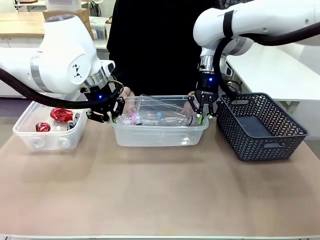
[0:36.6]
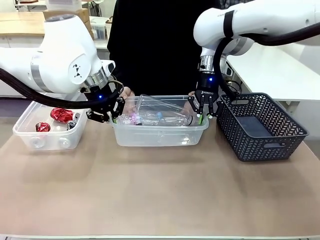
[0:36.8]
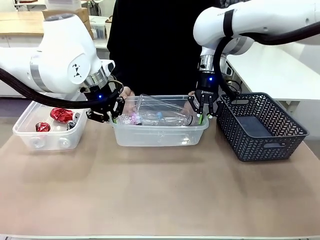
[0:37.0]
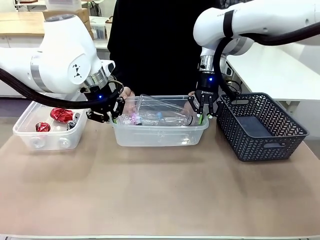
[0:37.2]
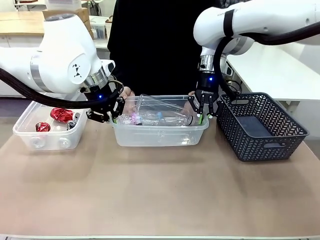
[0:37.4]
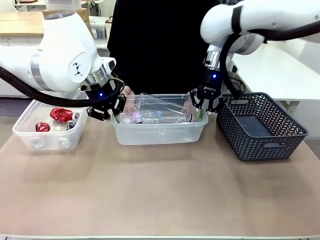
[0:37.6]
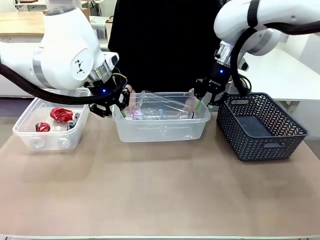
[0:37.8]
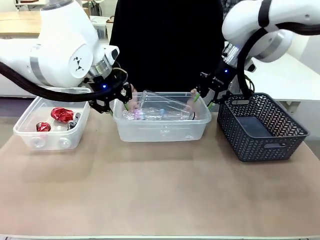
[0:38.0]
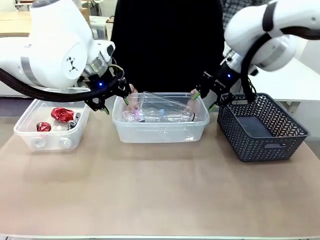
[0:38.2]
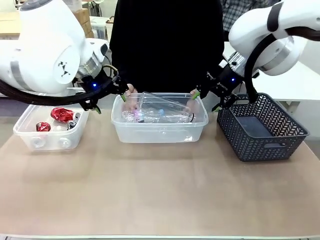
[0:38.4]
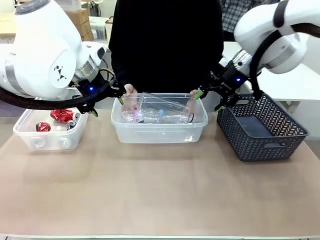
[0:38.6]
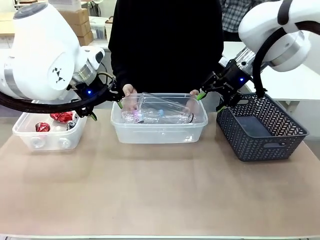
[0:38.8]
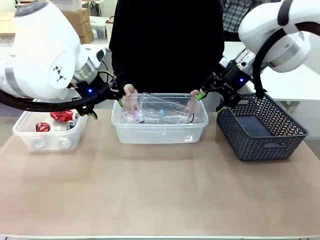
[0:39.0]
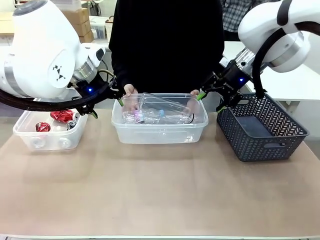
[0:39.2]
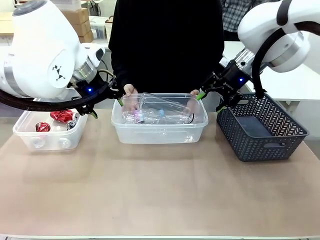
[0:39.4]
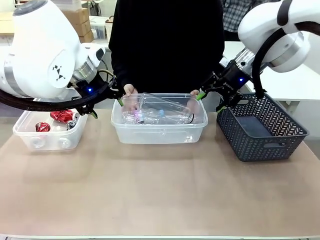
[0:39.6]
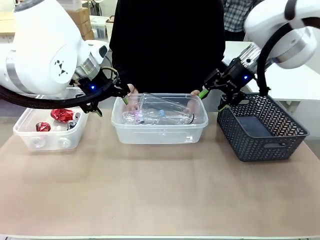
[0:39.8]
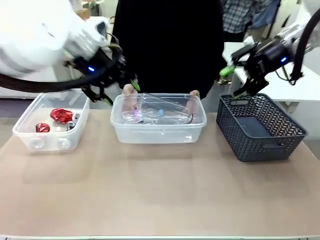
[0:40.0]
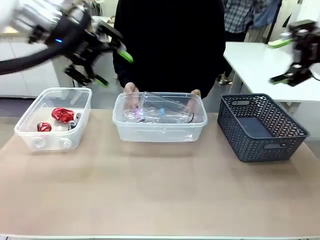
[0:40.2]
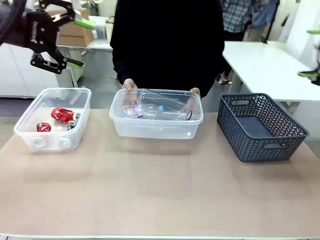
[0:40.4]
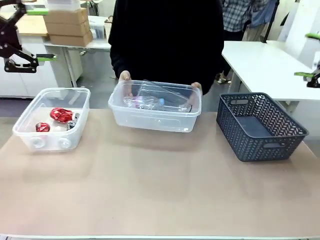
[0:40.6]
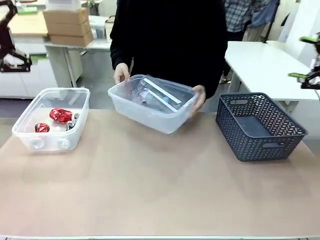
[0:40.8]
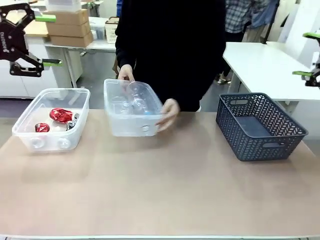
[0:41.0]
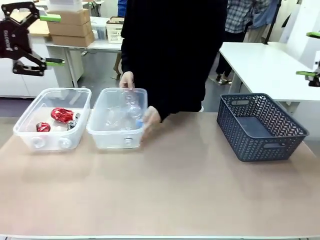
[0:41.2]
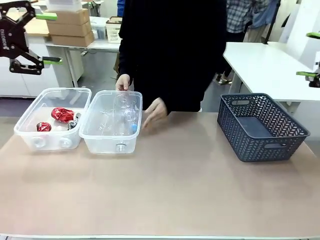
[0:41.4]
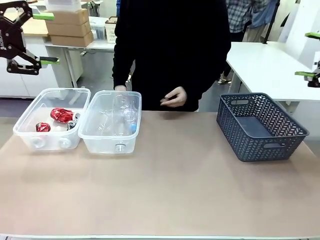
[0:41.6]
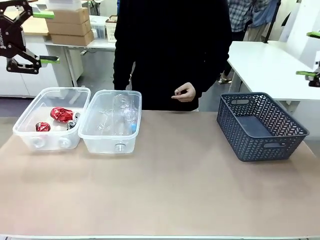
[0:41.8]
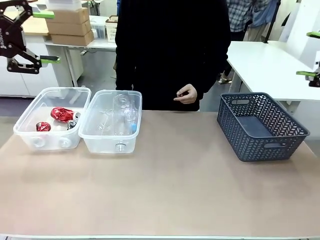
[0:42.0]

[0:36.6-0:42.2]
Robot: Release the Organizing box you were holding.
Person: Pick up the organizing box extended by the robot. Place the organizing box to the left of the sorting box containing the can waste.

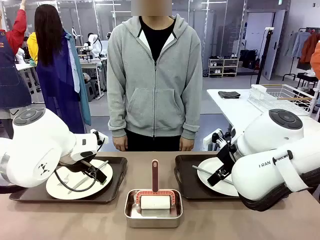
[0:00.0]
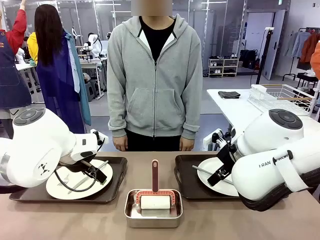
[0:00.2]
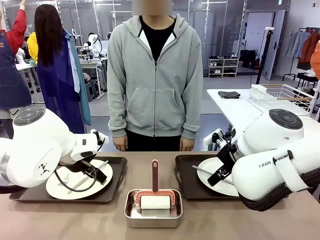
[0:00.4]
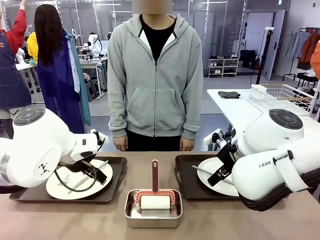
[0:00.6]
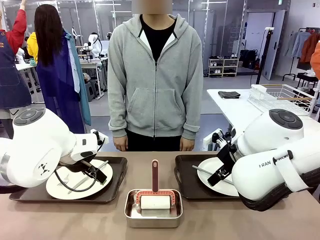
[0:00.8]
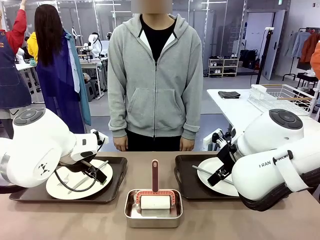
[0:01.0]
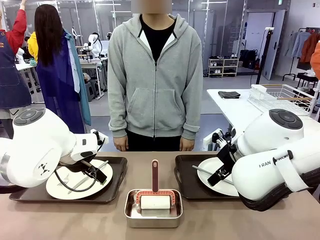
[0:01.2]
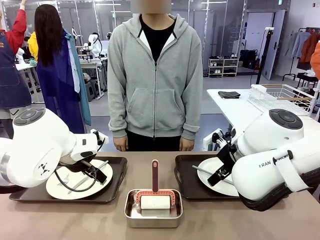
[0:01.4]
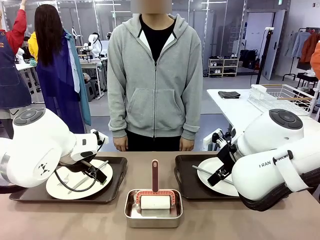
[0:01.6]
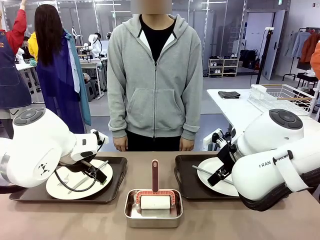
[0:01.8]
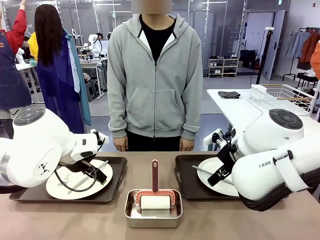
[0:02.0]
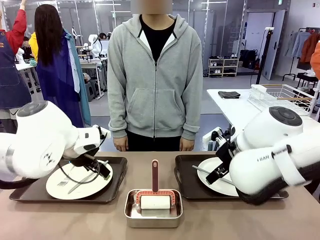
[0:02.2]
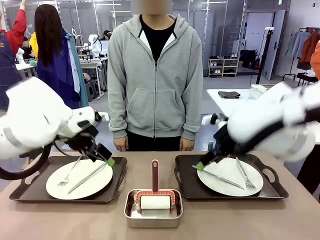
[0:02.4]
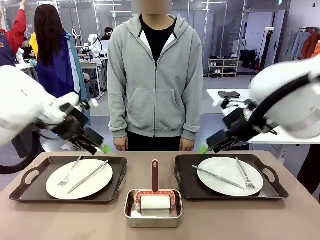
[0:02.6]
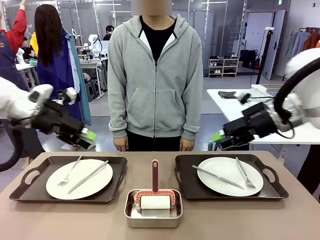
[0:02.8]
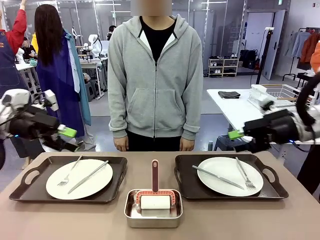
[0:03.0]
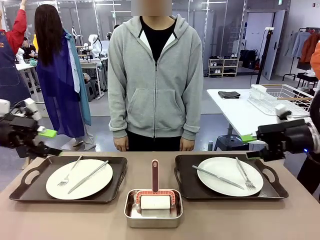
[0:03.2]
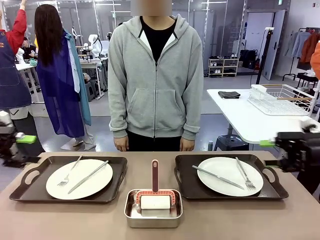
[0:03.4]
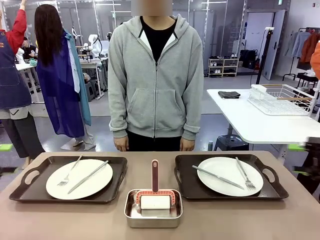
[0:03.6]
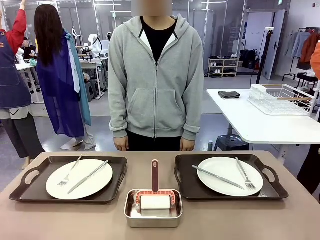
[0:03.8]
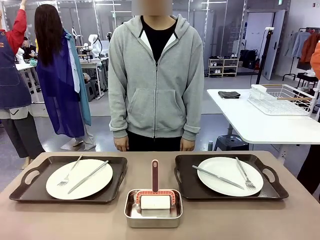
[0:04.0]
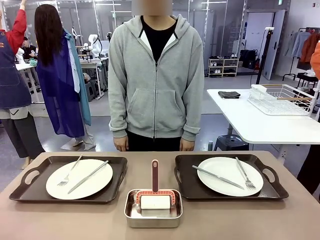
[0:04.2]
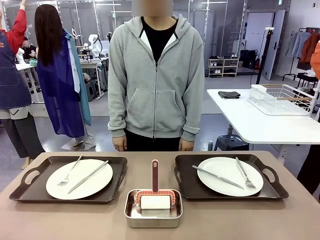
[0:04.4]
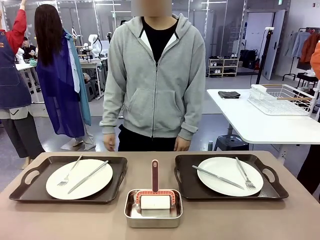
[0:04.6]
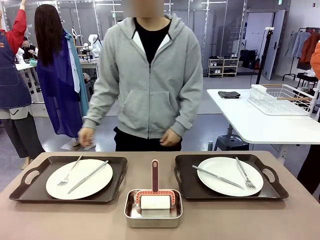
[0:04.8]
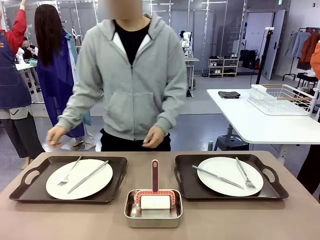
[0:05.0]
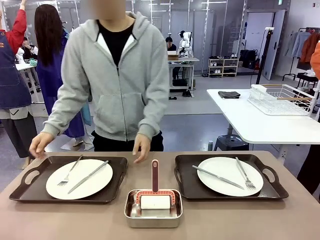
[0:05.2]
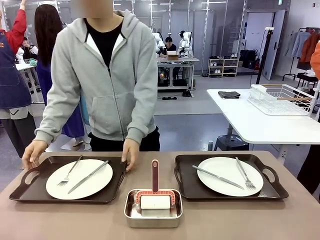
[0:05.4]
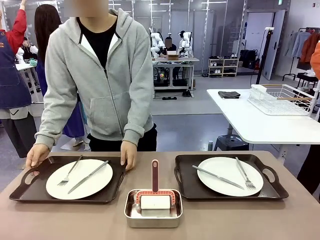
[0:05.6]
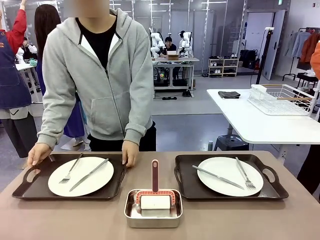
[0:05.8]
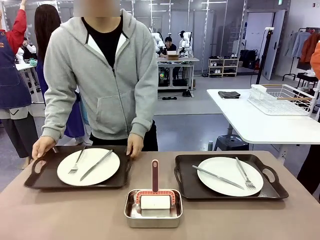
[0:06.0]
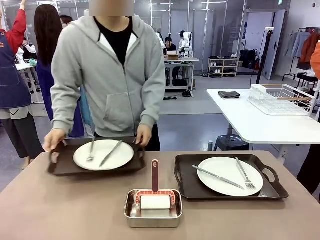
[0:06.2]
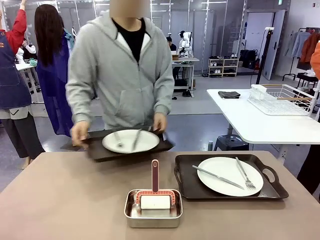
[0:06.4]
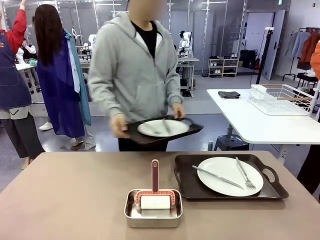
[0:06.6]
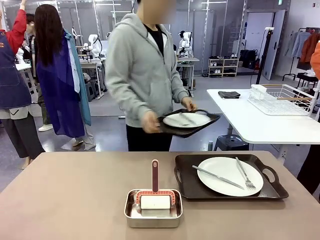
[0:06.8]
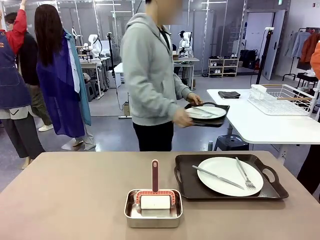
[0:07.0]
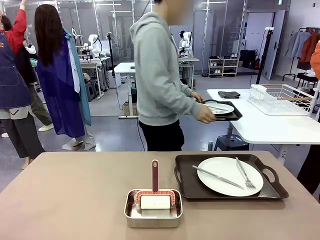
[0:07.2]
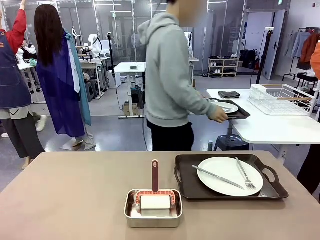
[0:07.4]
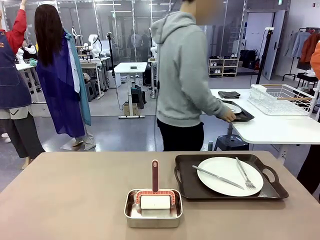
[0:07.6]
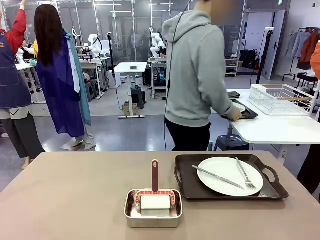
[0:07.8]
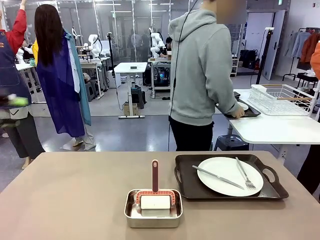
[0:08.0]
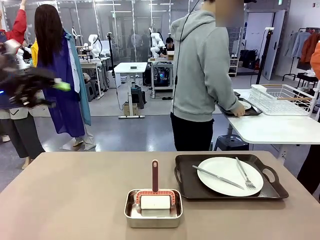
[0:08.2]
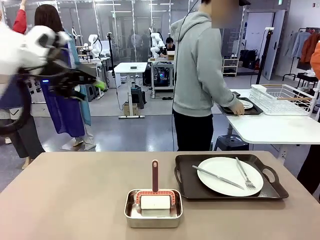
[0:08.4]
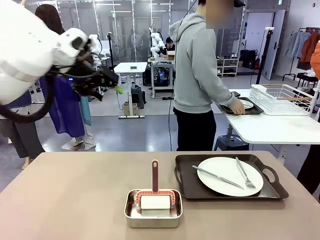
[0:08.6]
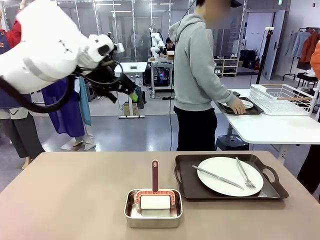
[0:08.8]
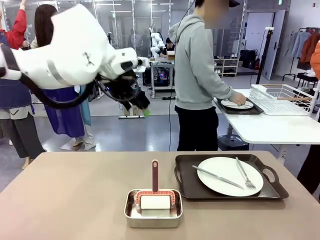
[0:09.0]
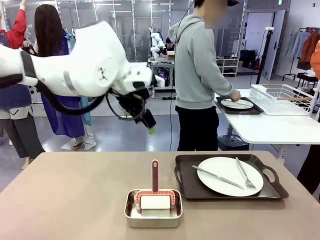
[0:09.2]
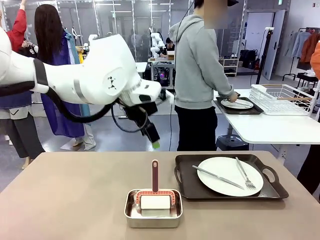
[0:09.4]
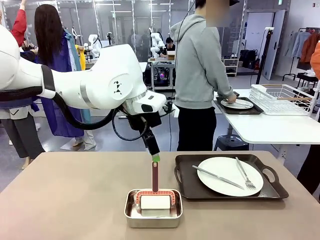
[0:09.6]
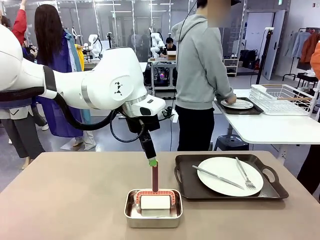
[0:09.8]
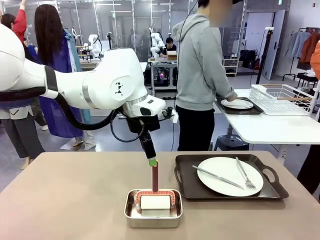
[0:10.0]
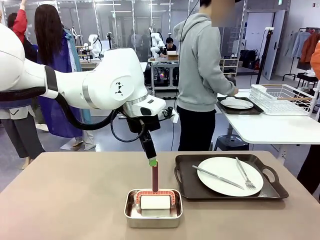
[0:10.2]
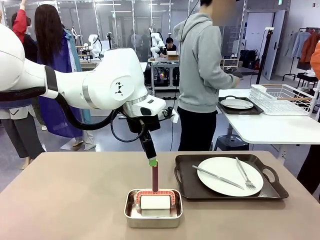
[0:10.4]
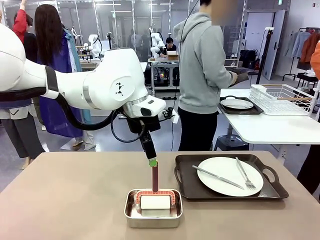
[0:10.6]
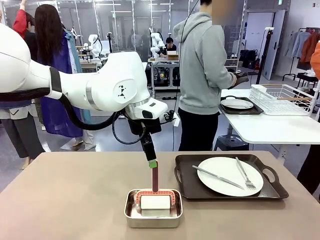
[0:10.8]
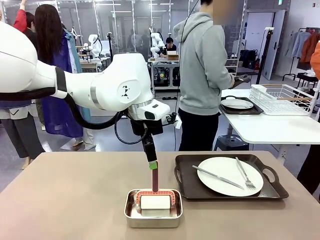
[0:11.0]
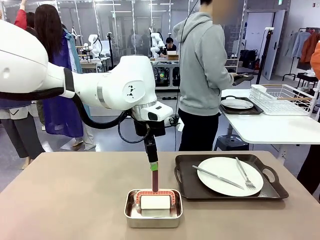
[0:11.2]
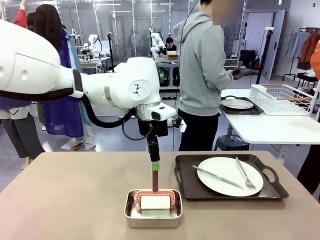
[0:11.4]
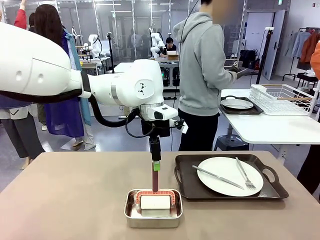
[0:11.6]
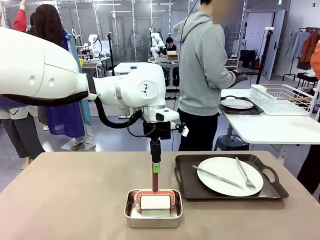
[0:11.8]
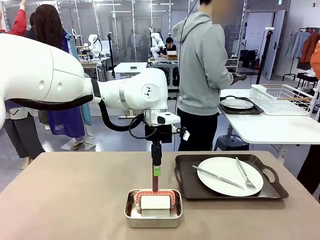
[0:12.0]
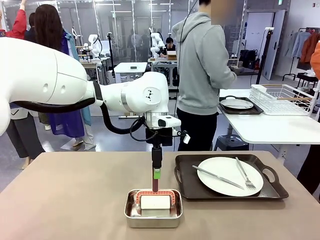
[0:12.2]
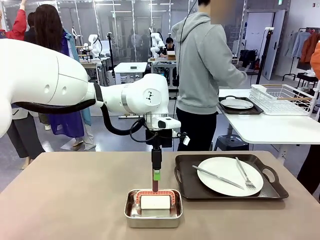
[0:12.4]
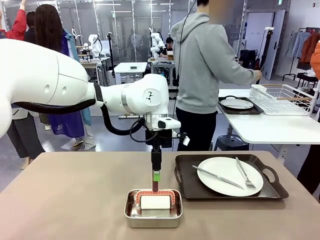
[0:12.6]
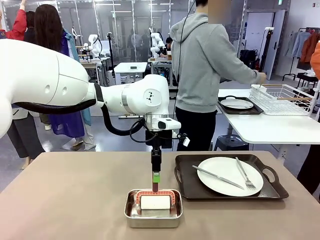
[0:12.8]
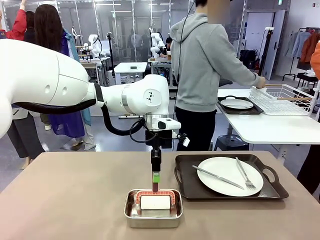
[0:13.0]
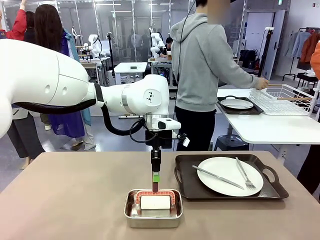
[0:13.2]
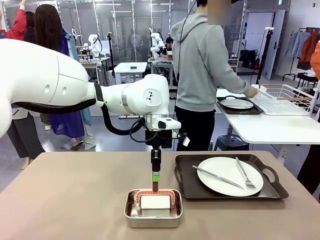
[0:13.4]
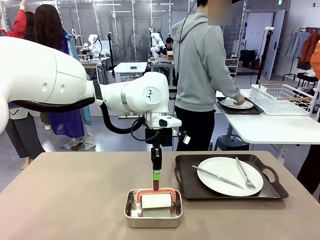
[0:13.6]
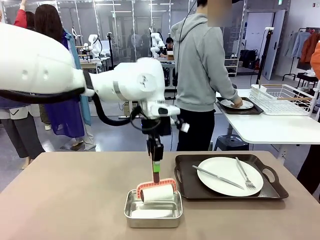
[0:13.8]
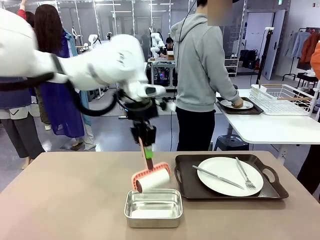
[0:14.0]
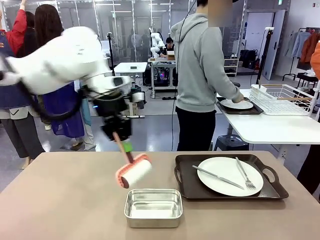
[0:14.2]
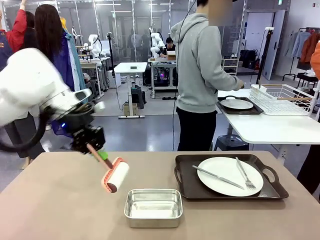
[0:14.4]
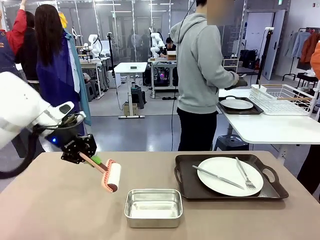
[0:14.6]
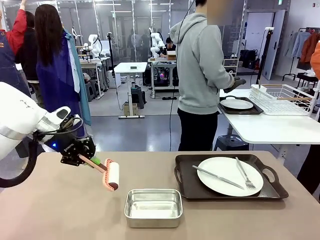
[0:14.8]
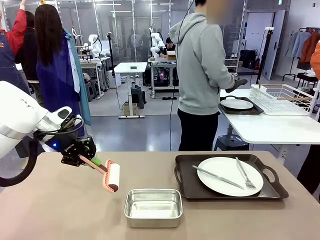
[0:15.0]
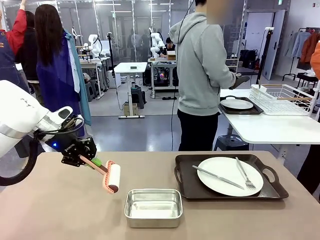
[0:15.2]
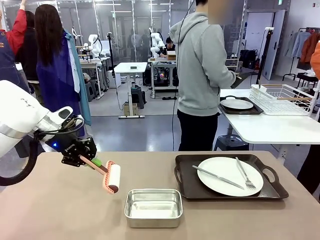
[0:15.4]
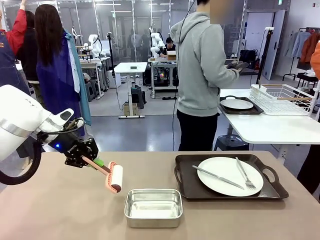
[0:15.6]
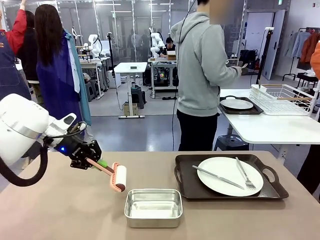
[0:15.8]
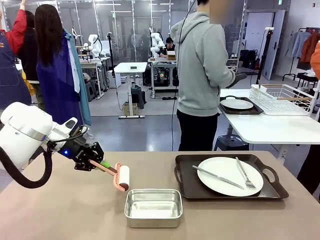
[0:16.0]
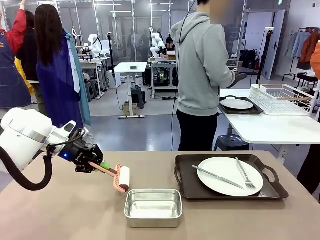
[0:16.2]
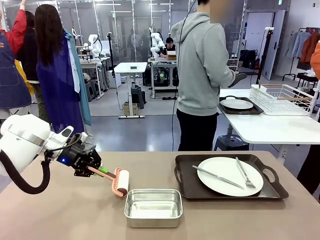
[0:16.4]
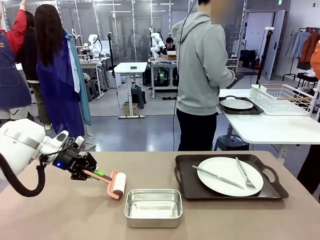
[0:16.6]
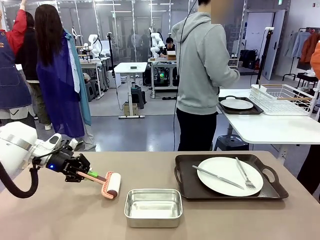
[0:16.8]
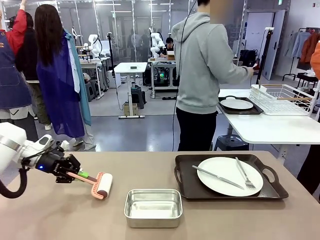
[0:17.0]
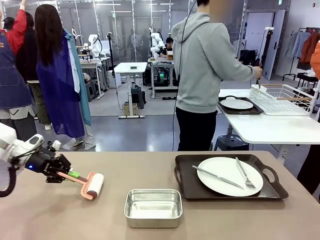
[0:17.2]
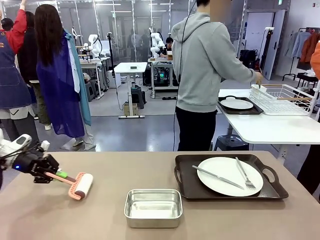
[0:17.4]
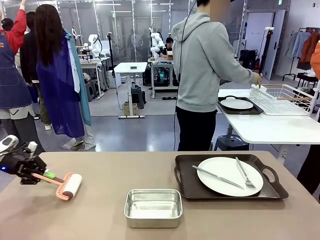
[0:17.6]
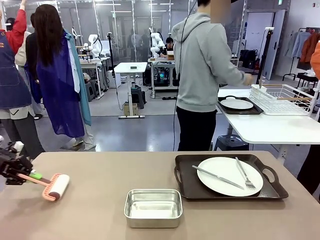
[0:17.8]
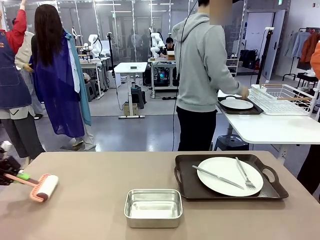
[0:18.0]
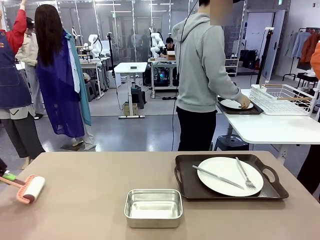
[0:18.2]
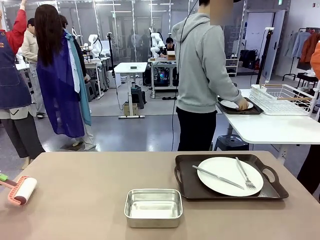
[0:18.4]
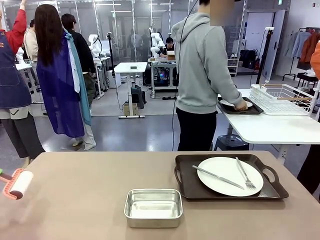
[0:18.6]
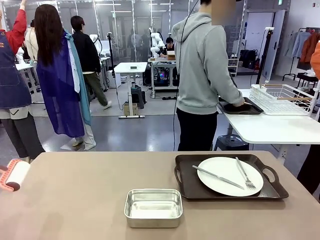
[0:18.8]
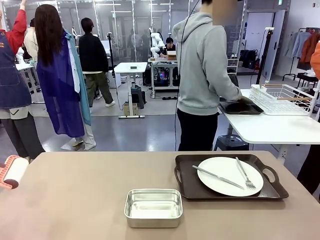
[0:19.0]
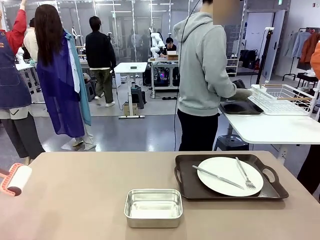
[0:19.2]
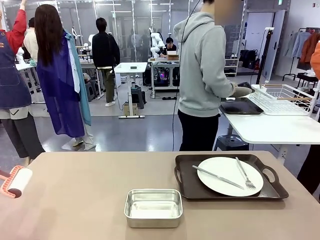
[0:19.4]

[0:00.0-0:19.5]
Robot: When the left (or right) Handle tray is removed, use the left hand (or right hand) to clean the left (or right) side of the table with the Lint Roller.
Person: Pick up the left (or right) Handle tray and place it on the middle of the Human's table. Use the Towel with hook to wipe the Plastic Matte Plate , Fork , and Knife and place into the Dish drying rack.
